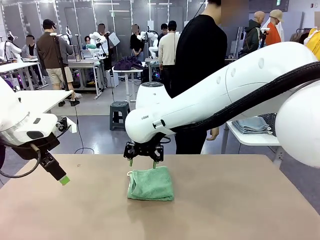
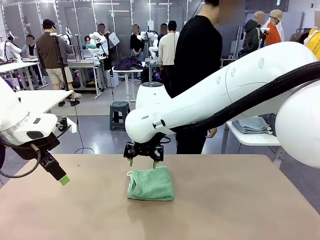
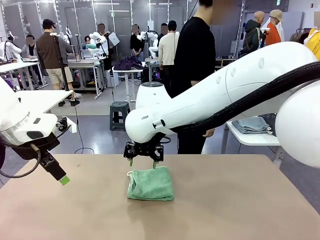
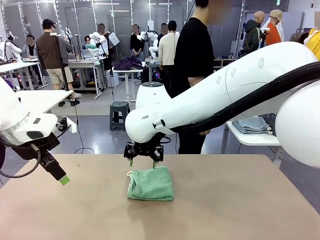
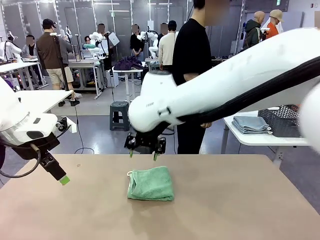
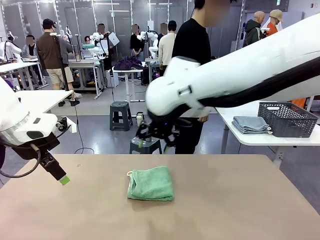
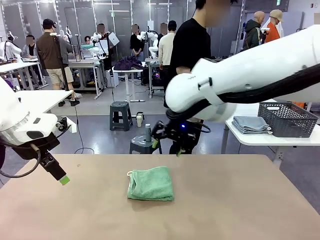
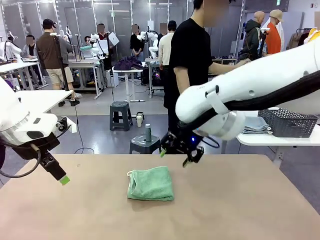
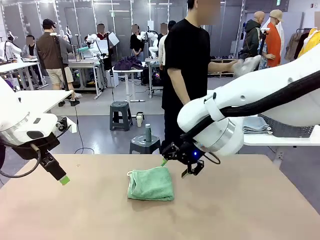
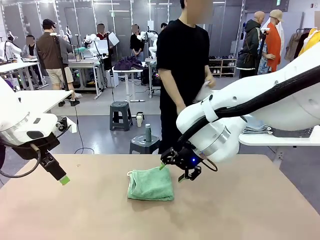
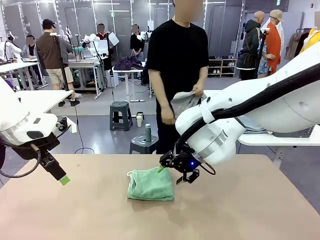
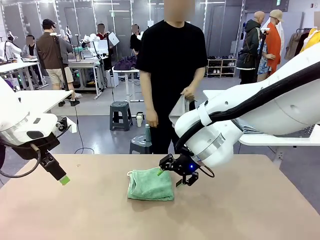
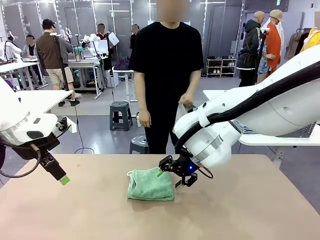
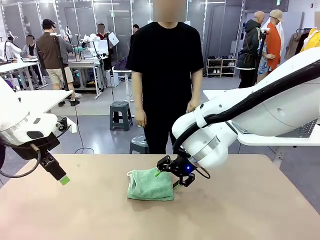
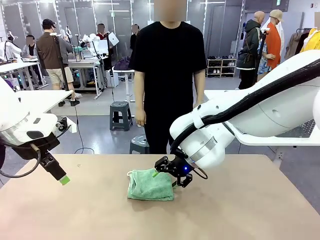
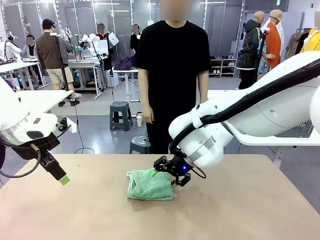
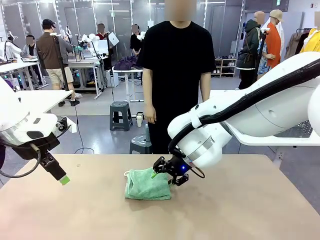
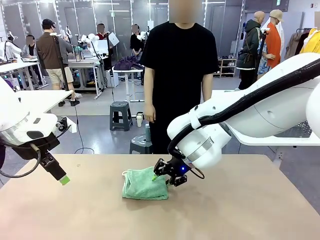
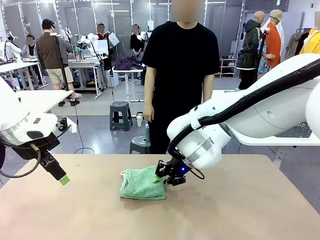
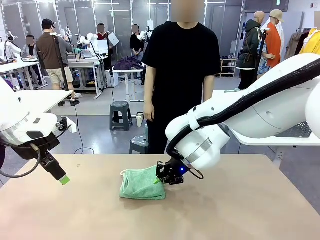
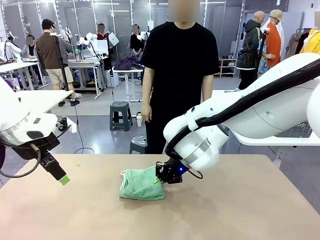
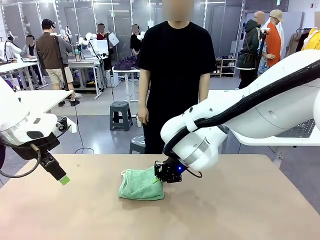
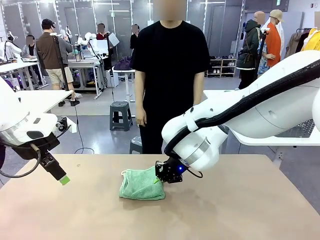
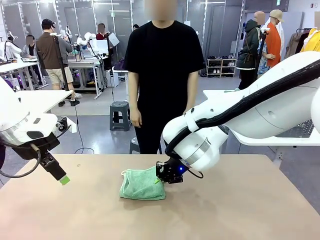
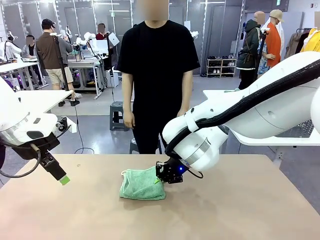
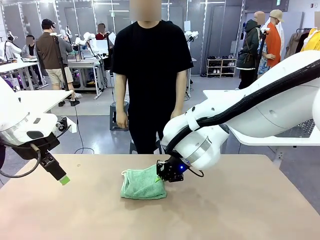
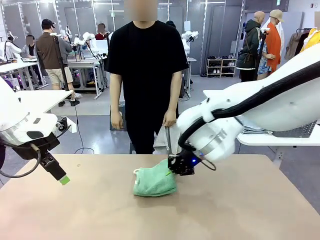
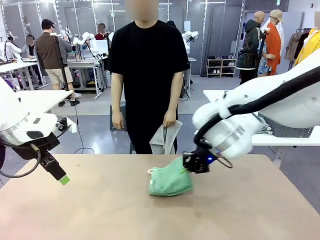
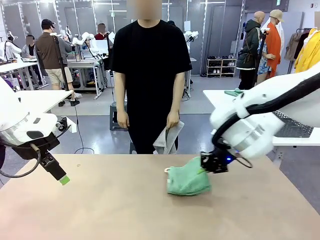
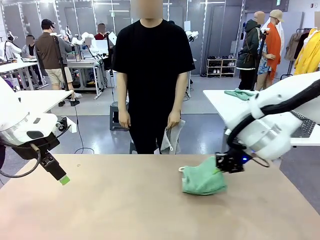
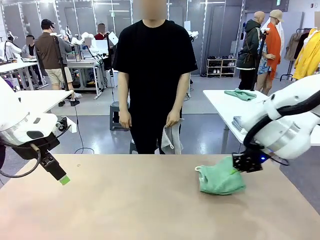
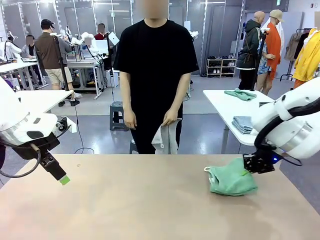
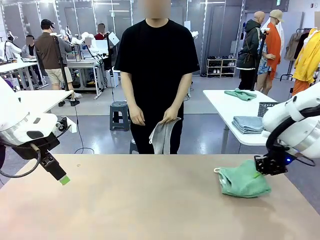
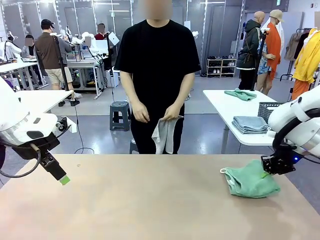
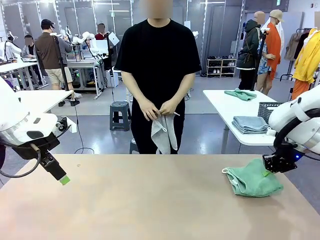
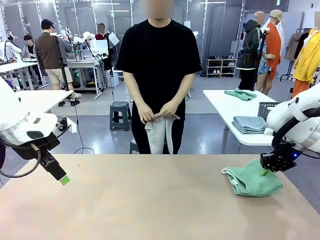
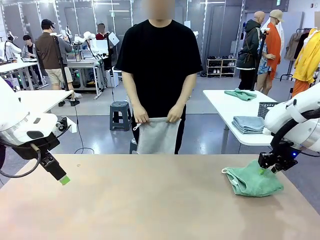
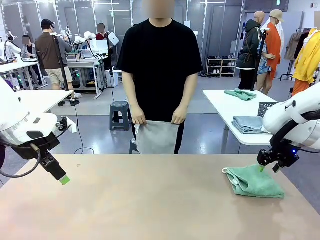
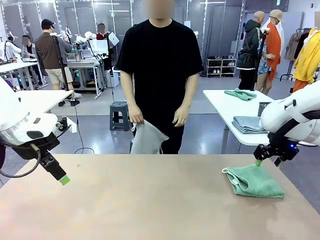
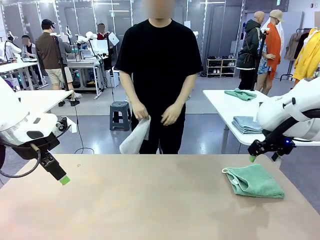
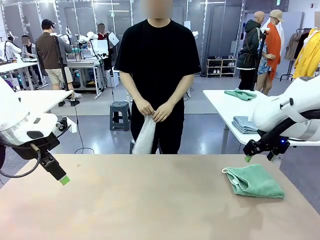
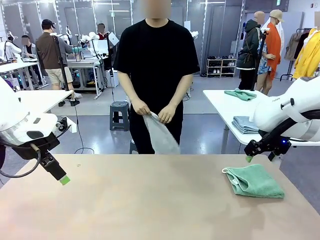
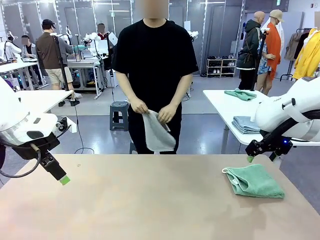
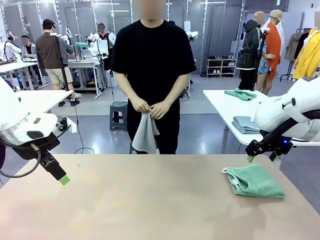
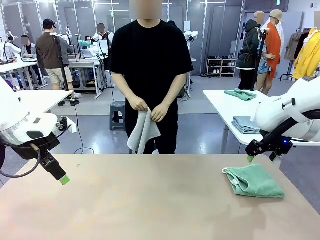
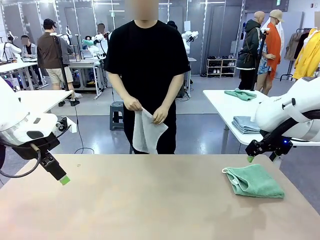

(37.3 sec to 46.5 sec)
Task: Fold the towels and place them in the basket.
Robot: Place the folded Towel with hook on the right side of the table.
Person: Pick up one towel from the left side of the human table and spread it out at the center of the robot table.

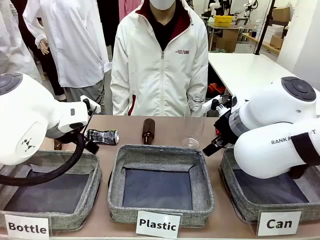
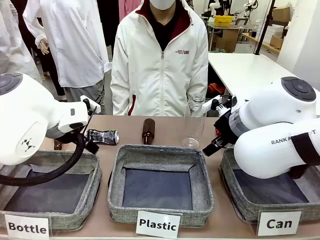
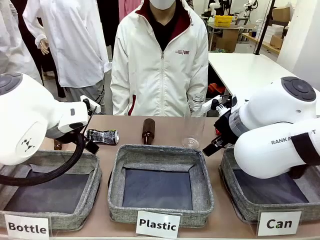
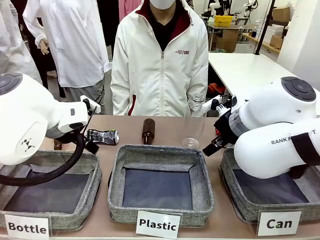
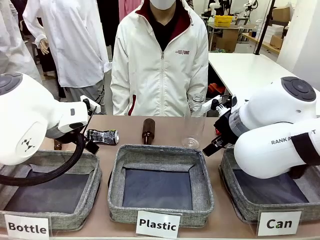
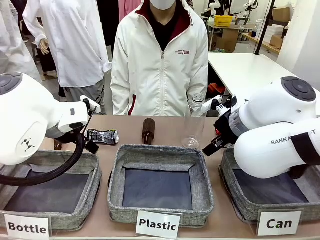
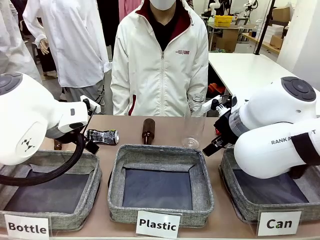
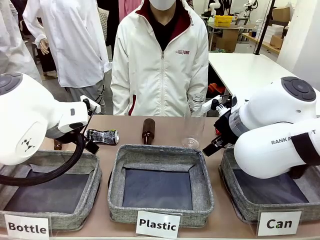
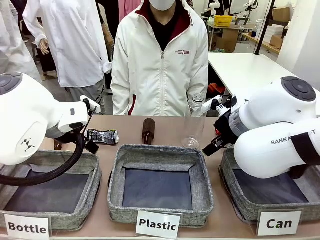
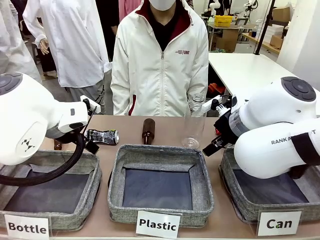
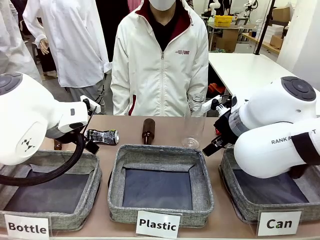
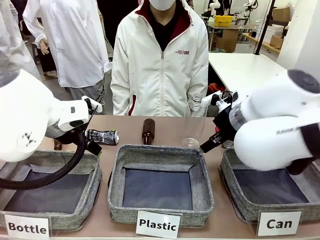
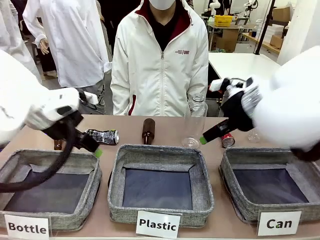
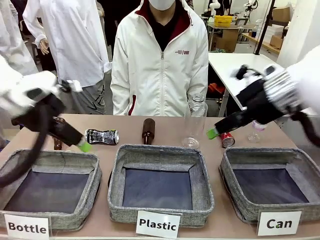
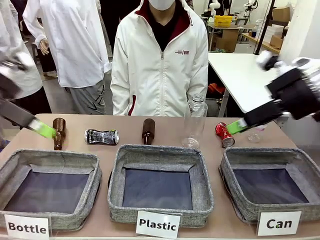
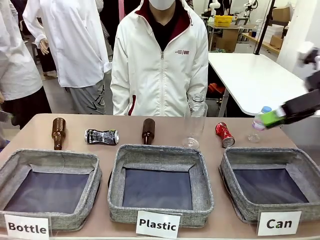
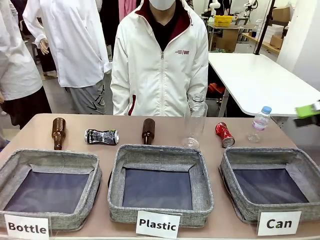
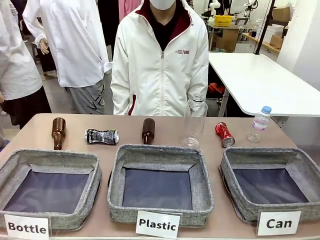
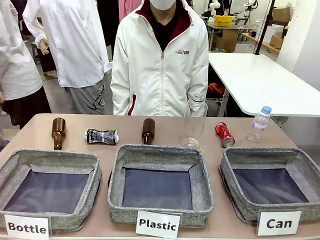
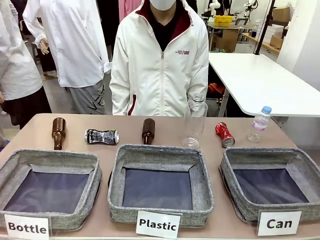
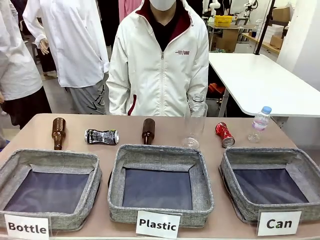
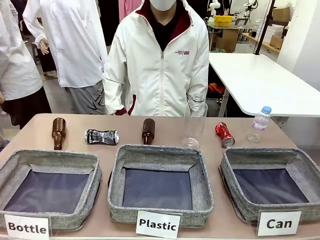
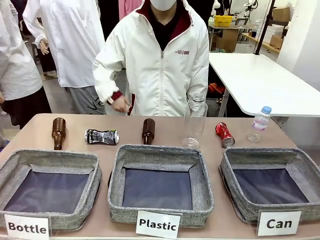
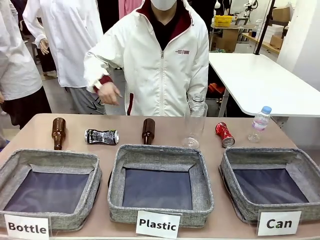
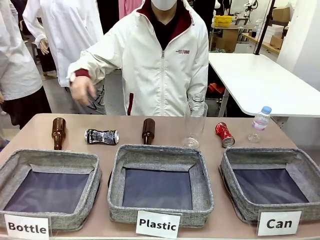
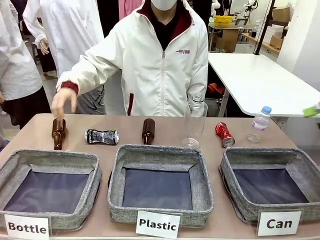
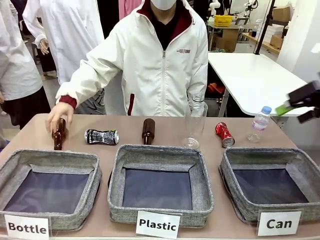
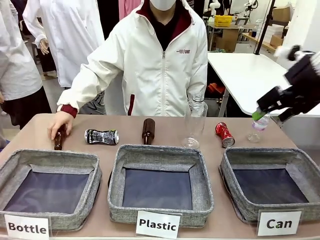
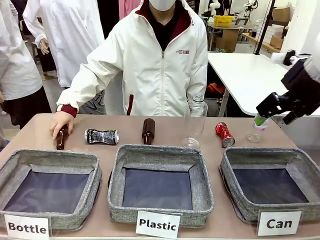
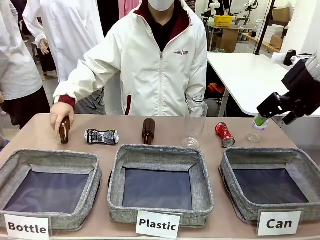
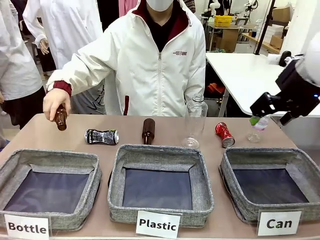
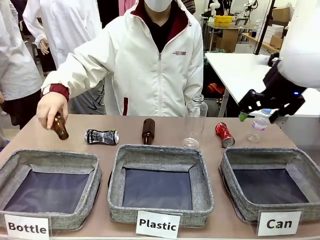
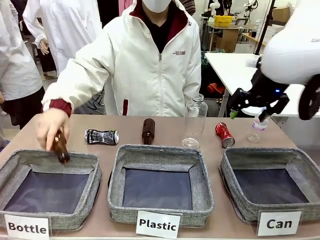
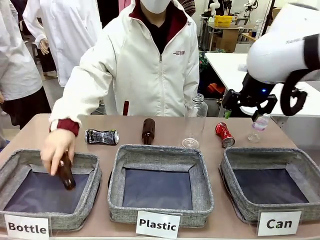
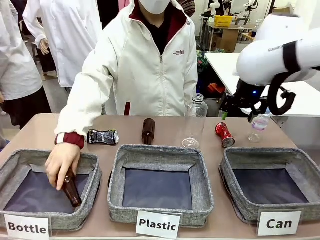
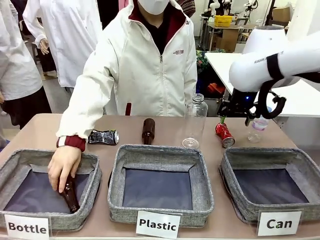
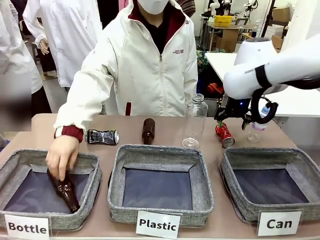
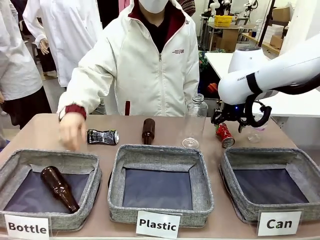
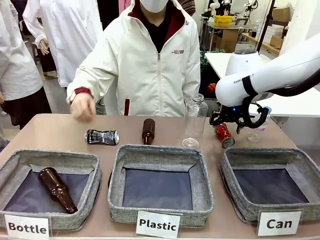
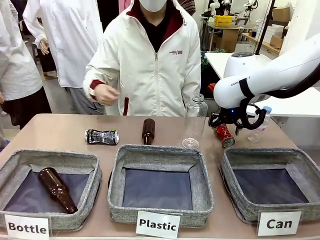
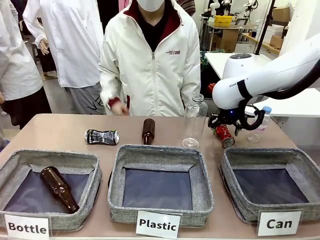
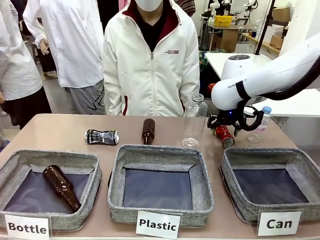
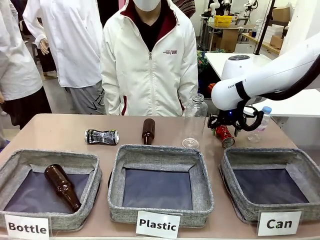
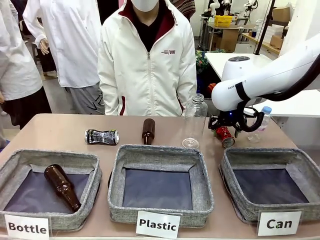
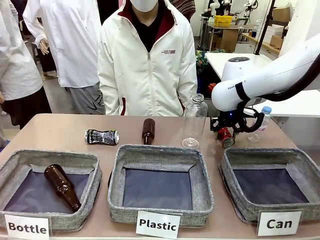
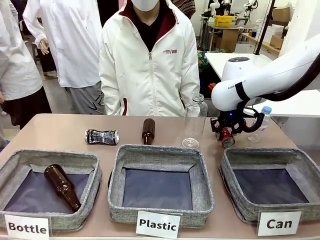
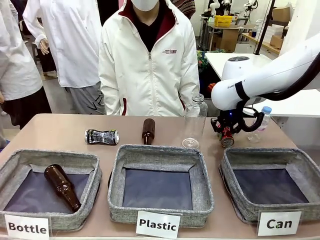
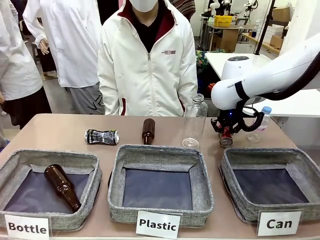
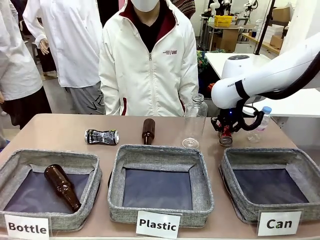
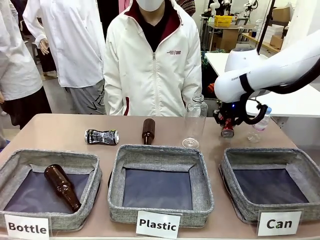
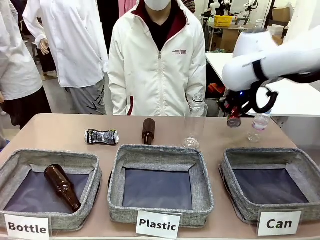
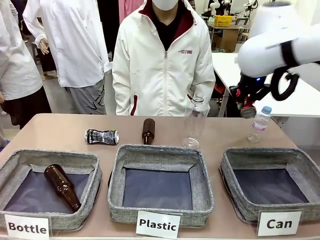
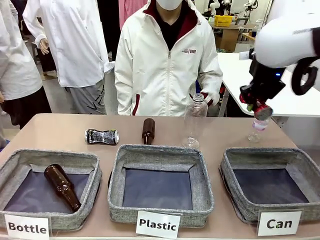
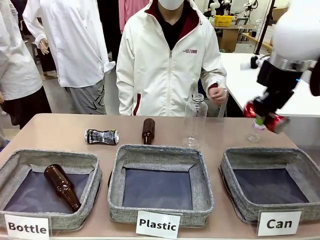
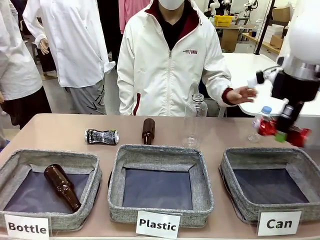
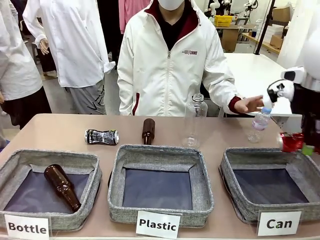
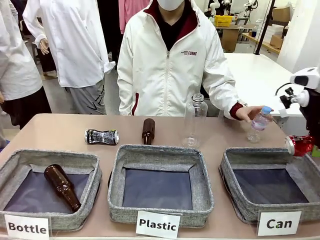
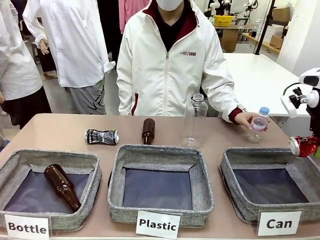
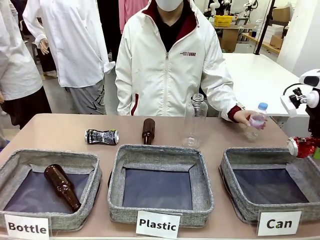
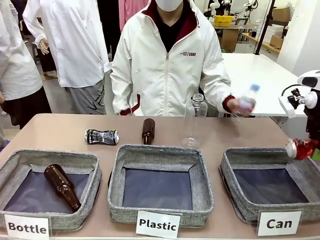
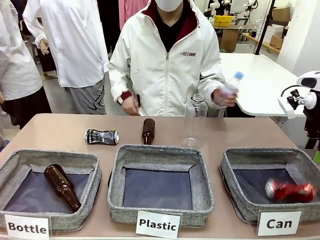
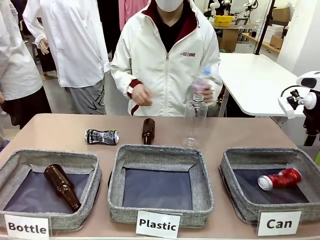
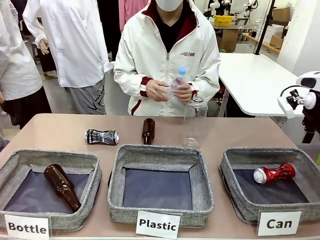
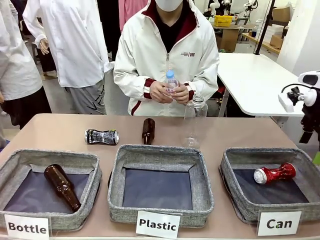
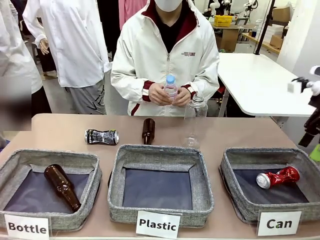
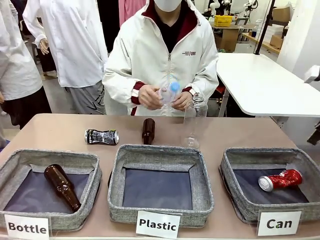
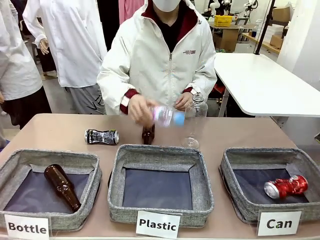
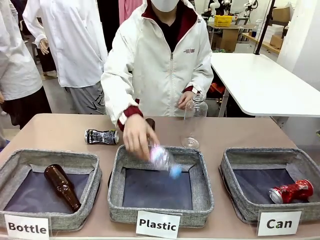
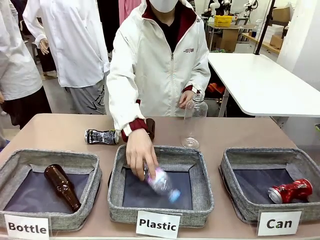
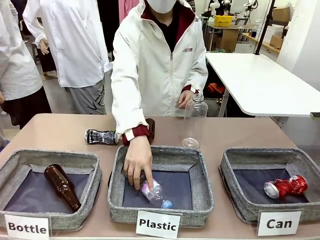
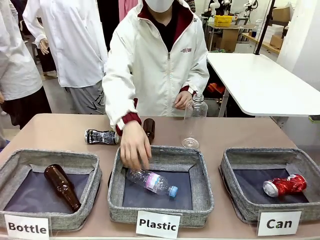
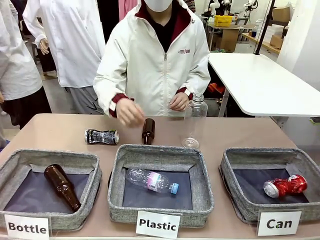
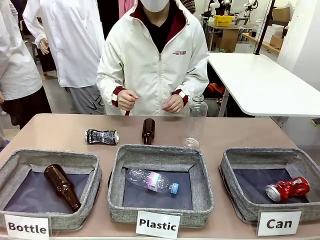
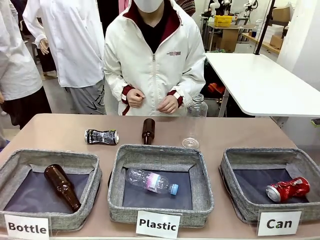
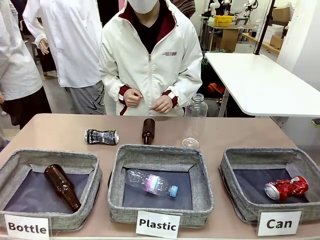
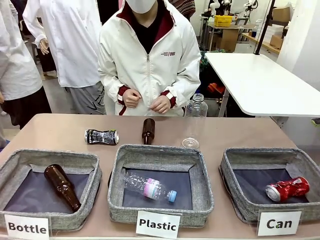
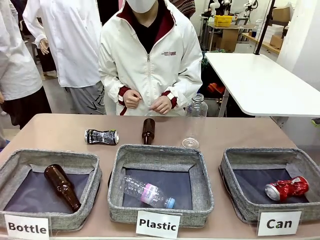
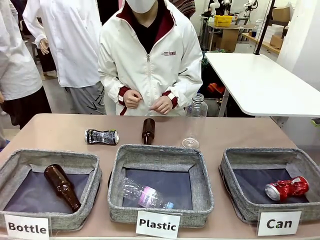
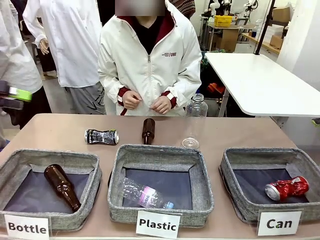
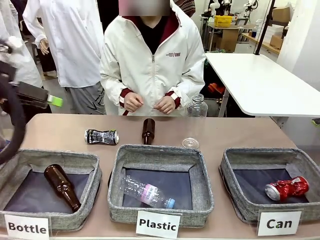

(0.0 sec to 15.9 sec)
Task: Sort the can waste into the basket.
Robot: Pick up the can waste from the table and place it in the right Fabric basket.
